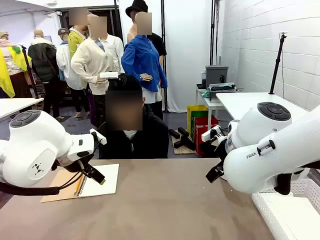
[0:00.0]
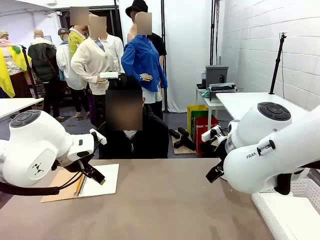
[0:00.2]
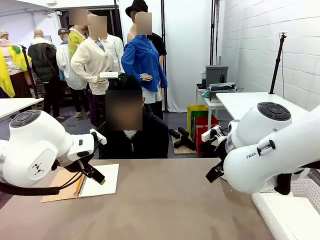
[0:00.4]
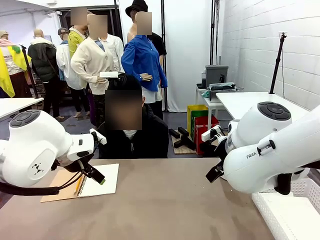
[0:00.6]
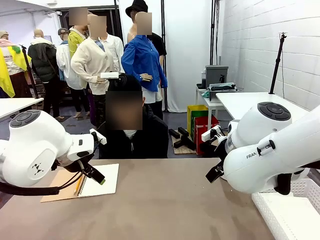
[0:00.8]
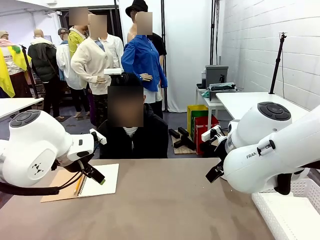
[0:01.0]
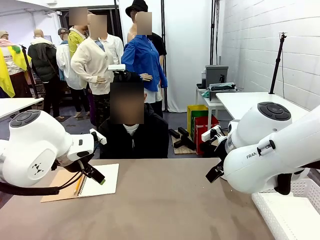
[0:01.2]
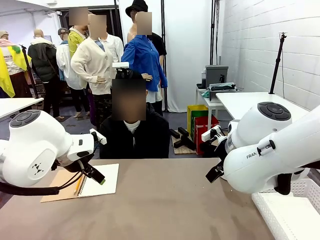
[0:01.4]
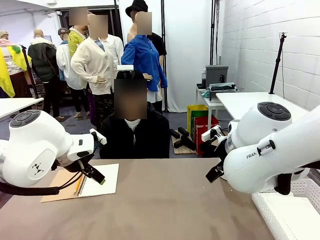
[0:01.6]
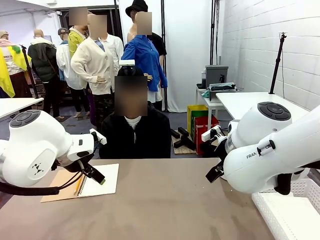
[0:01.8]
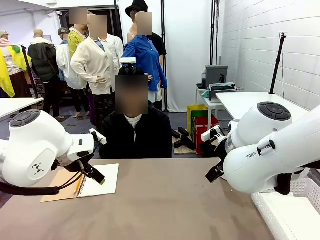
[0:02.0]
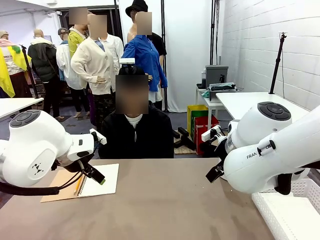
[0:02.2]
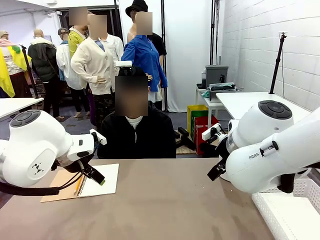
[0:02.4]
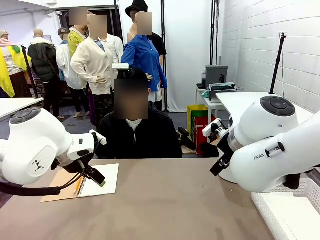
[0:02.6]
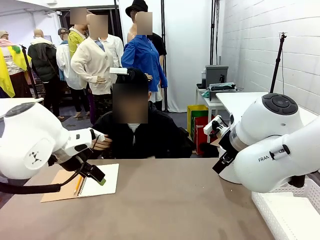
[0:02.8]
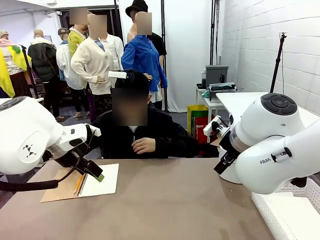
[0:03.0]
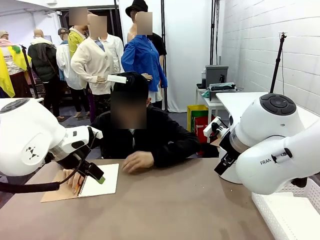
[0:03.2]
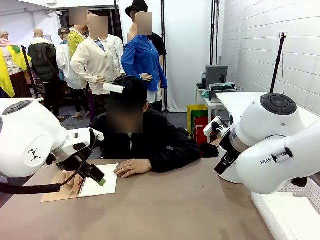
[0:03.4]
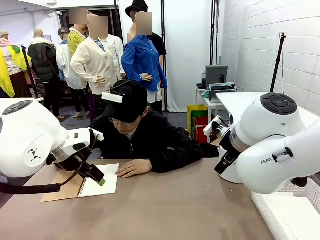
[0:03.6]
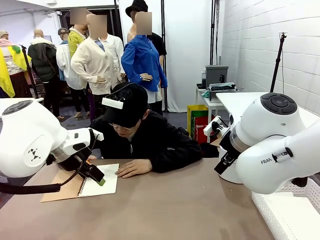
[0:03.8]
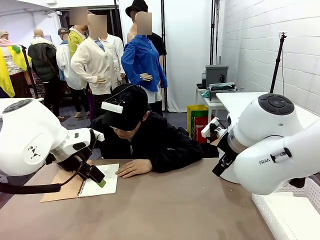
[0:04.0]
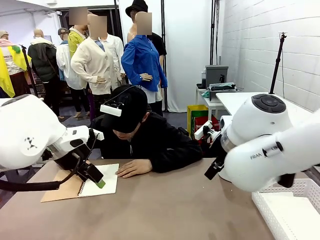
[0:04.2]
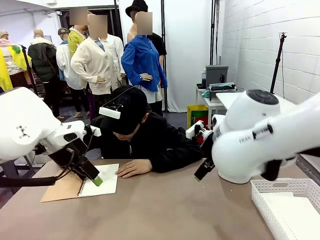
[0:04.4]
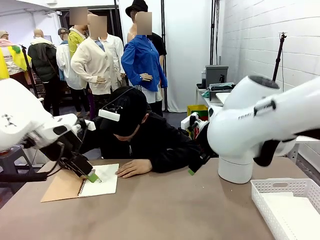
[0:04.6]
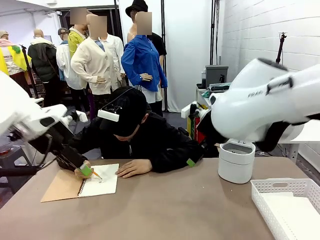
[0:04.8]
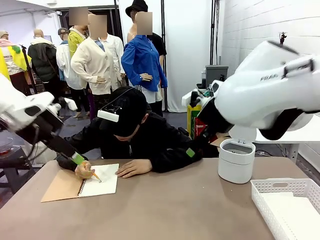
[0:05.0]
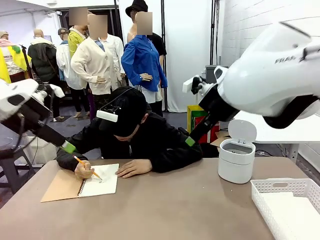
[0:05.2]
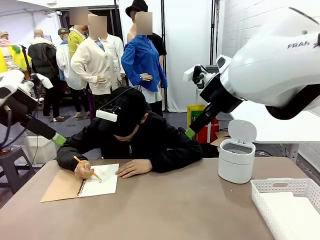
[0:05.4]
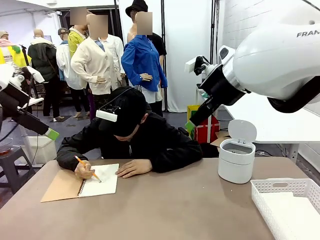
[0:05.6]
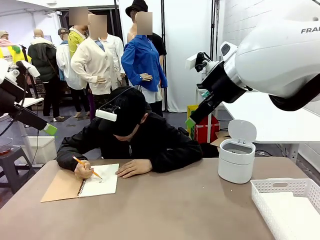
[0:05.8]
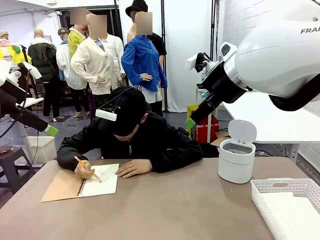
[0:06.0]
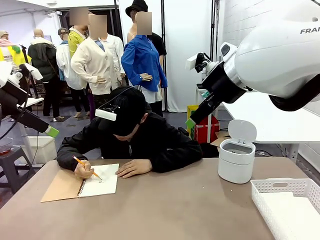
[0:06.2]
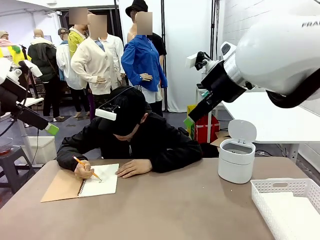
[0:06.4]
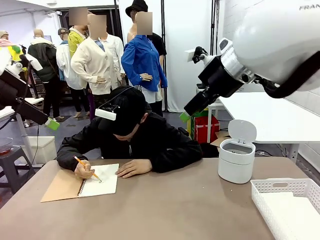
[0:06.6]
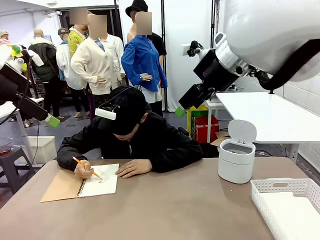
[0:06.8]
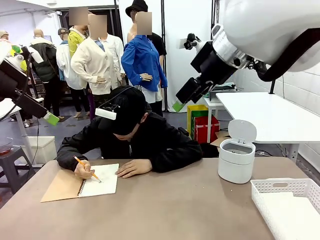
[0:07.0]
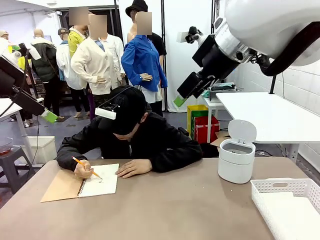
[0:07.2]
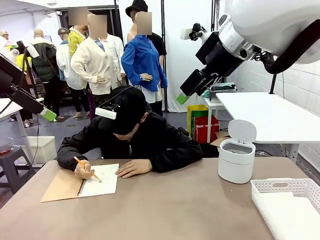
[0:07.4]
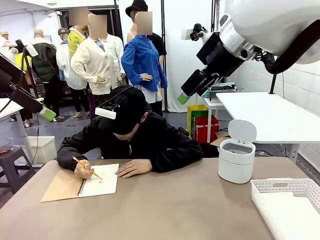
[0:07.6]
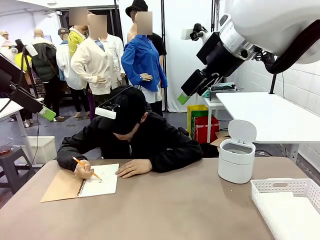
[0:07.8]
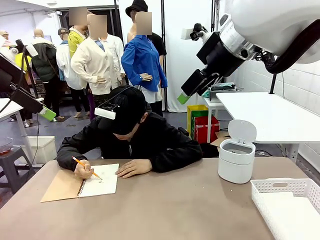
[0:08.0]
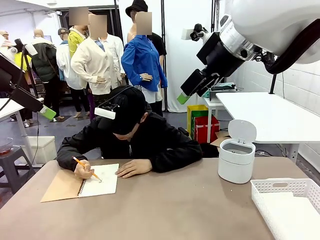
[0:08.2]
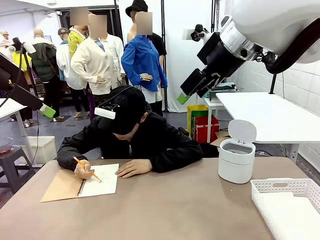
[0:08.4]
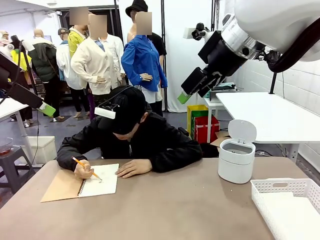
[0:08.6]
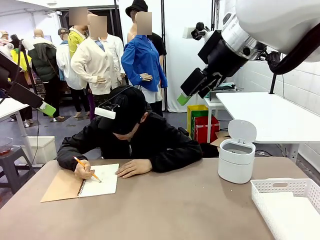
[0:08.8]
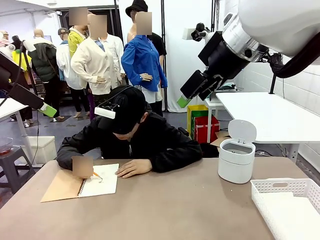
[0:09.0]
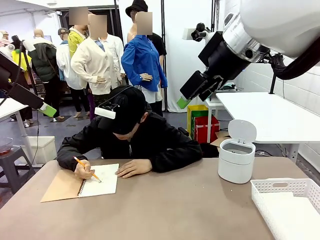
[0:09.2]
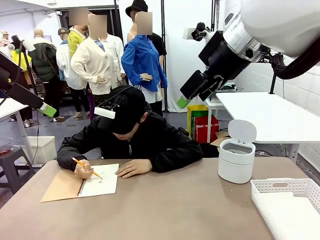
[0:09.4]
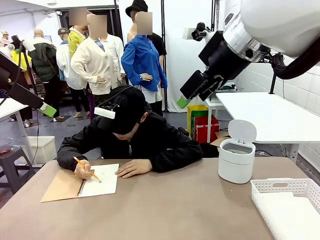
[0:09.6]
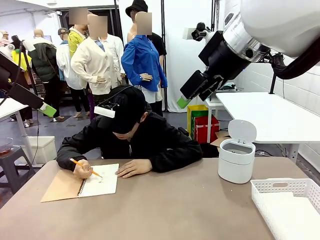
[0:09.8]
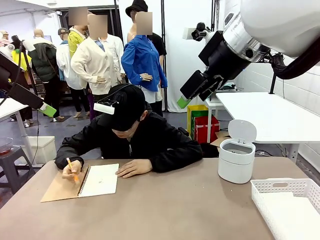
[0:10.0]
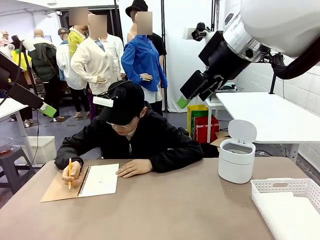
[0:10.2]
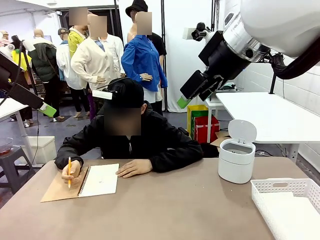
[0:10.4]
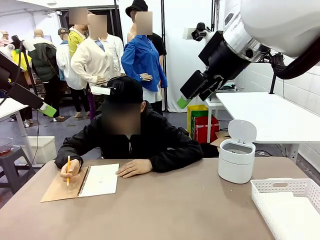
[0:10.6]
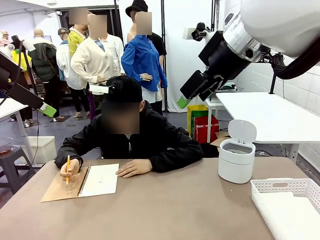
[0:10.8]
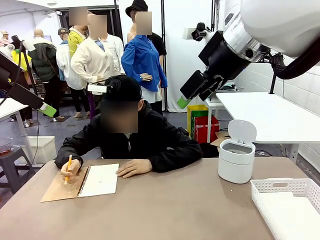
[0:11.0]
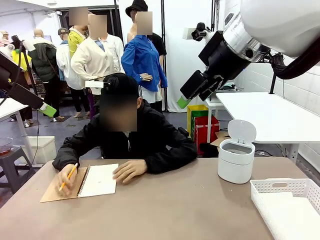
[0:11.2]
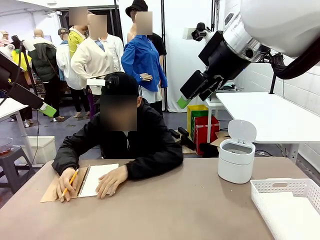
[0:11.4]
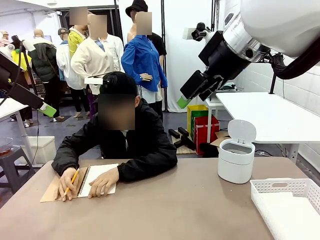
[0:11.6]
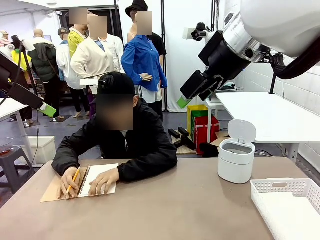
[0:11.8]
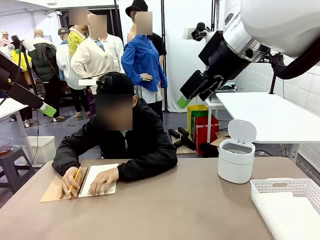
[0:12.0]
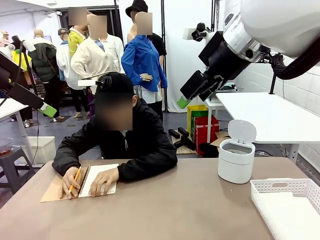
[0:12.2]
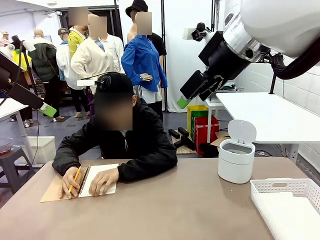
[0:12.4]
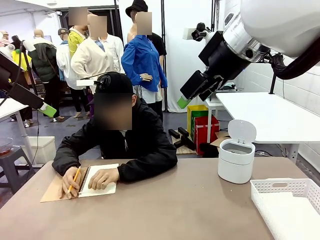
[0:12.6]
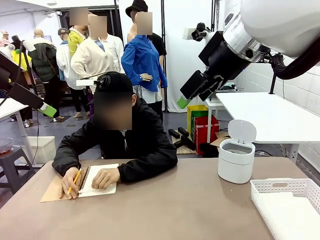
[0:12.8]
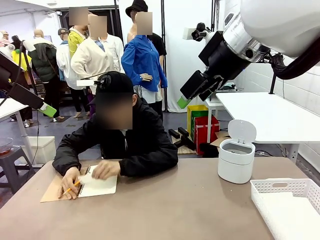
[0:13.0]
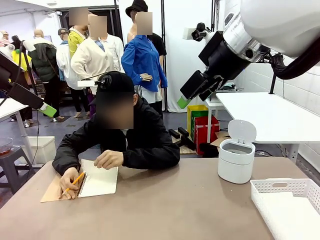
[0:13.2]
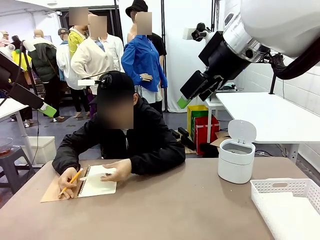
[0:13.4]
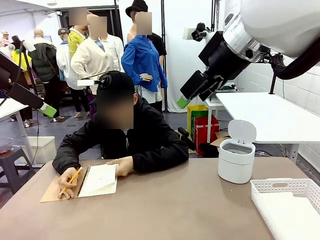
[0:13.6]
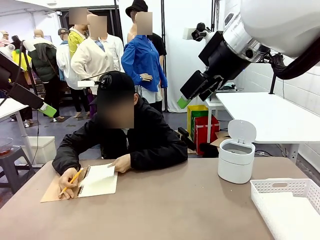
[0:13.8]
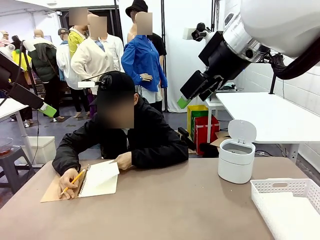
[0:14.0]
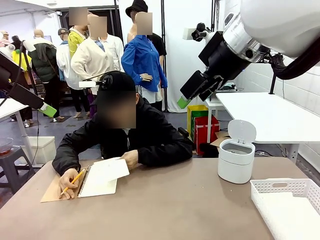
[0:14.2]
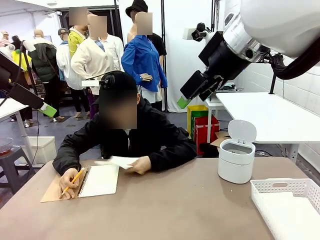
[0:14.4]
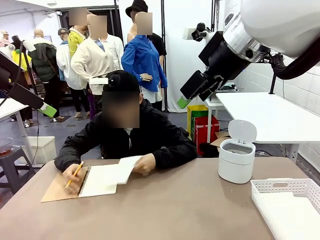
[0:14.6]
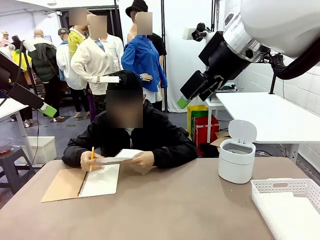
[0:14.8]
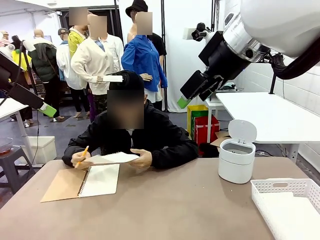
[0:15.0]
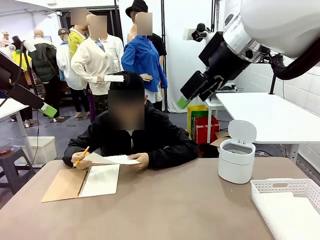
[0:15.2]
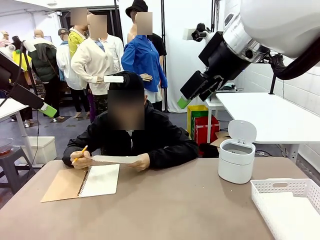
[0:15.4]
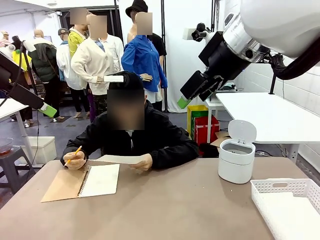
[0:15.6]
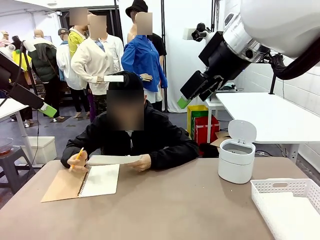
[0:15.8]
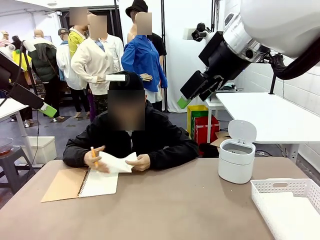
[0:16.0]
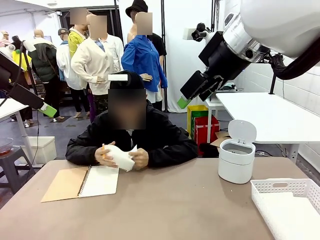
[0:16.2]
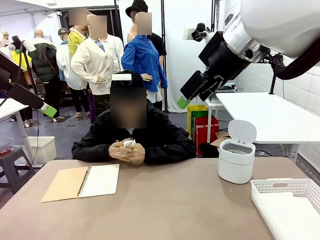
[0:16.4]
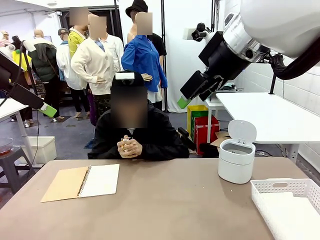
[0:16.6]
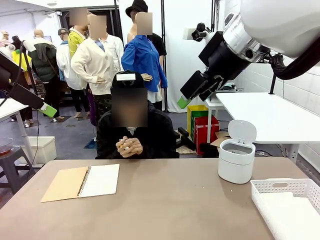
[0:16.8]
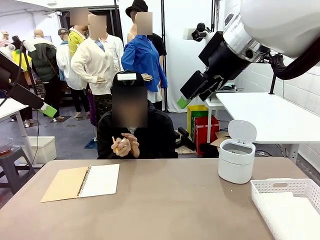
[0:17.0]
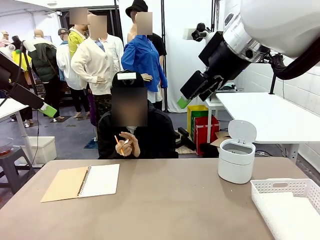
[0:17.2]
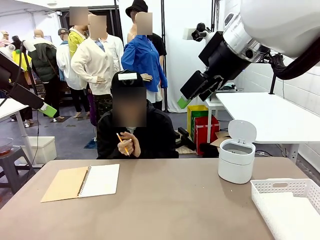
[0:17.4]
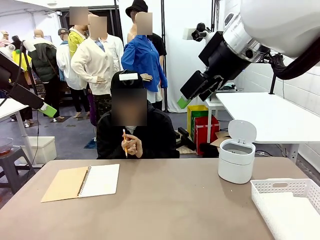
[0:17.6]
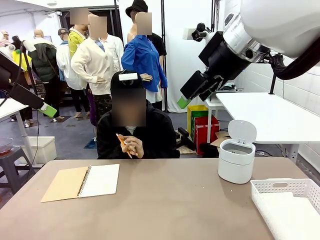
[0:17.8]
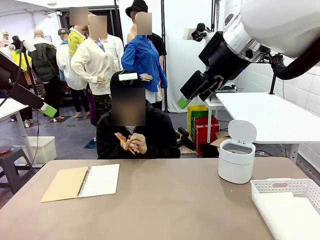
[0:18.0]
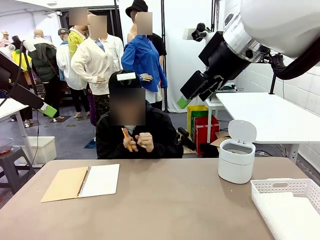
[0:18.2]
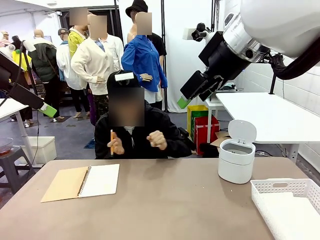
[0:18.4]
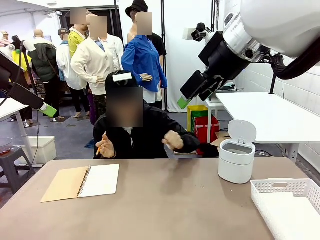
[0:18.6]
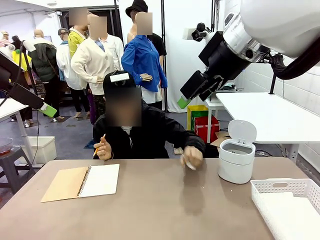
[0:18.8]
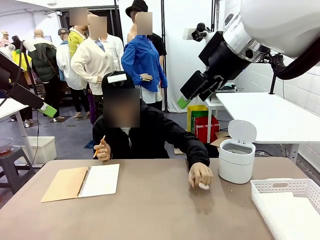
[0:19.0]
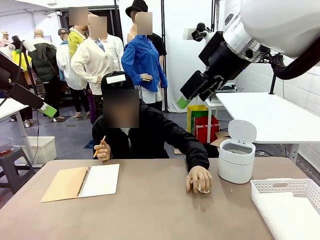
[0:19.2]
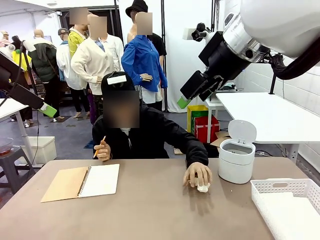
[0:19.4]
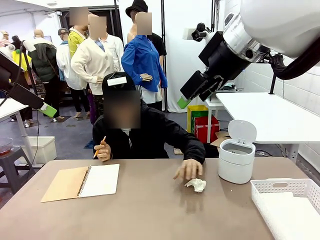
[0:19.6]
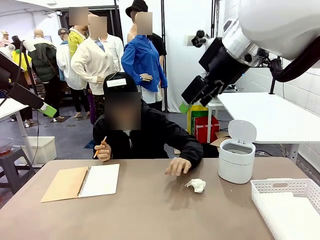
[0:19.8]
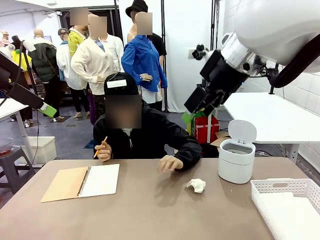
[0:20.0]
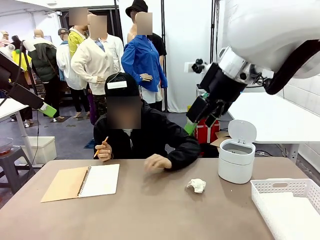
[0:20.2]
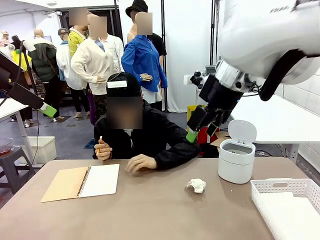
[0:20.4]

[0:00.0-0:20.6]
Task: Sort the paper based on its condition.
Robot: If a person hands you a paper, place it in the Organizing basket , and if it's crumpled, put it in the Trash can.
Person: Tear out a page from the spiral notebook. Hand the torn page to the robot or crumple it and throw it to the center of the table.
